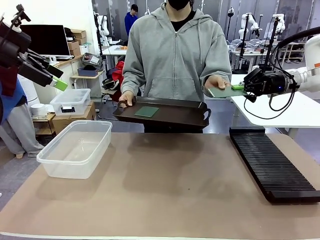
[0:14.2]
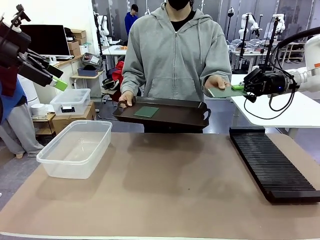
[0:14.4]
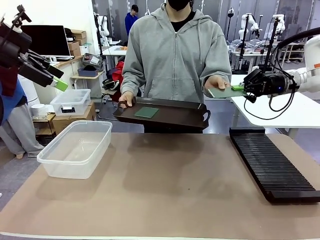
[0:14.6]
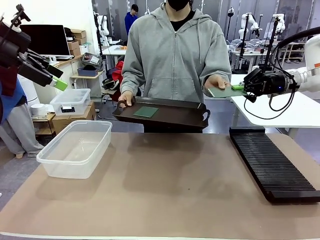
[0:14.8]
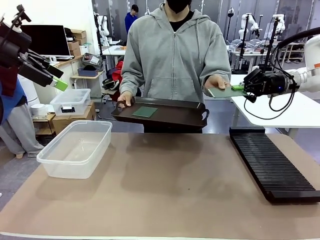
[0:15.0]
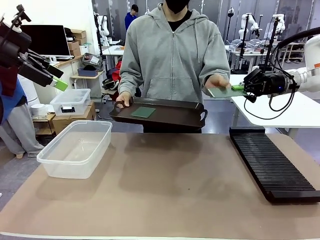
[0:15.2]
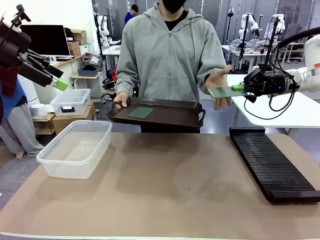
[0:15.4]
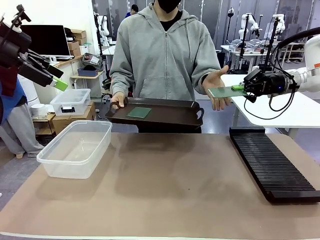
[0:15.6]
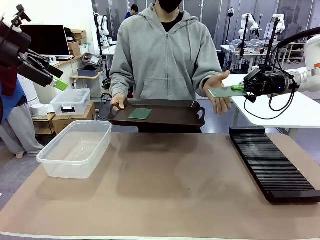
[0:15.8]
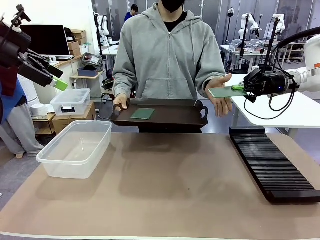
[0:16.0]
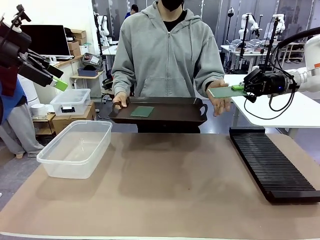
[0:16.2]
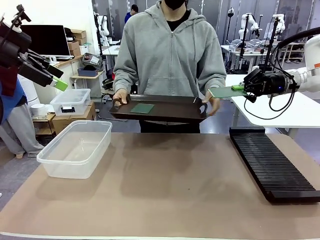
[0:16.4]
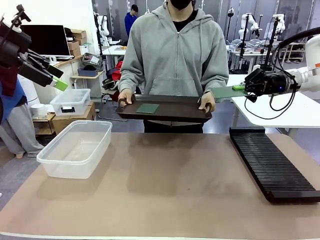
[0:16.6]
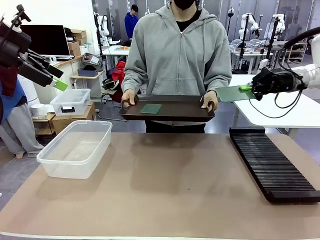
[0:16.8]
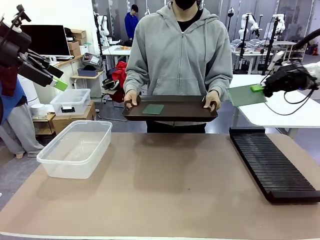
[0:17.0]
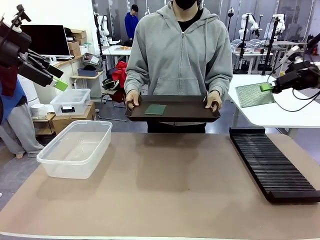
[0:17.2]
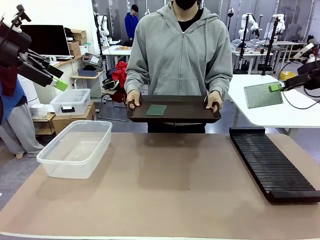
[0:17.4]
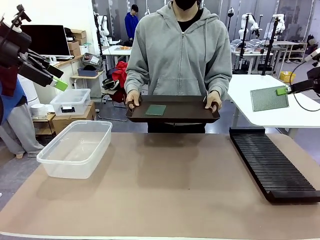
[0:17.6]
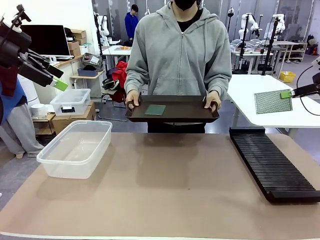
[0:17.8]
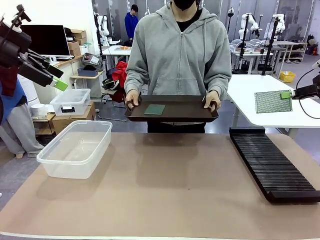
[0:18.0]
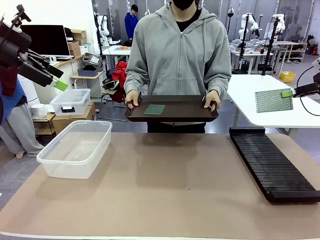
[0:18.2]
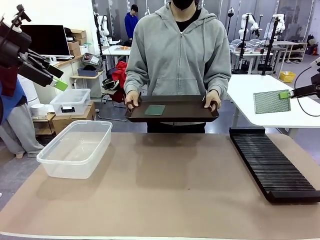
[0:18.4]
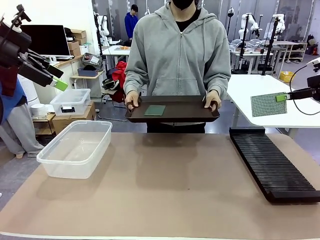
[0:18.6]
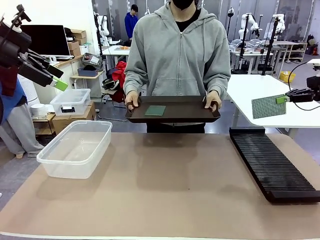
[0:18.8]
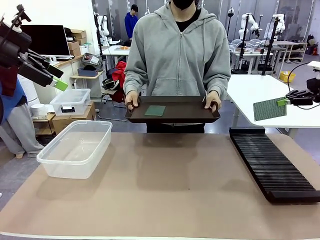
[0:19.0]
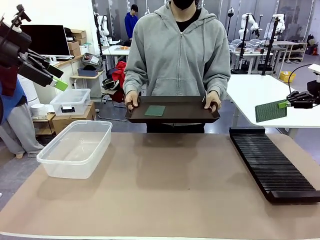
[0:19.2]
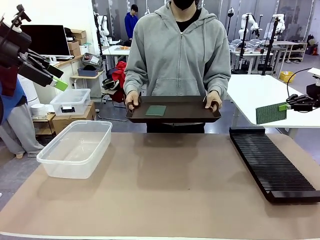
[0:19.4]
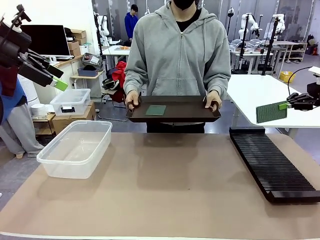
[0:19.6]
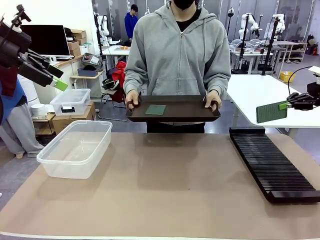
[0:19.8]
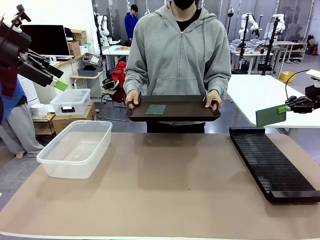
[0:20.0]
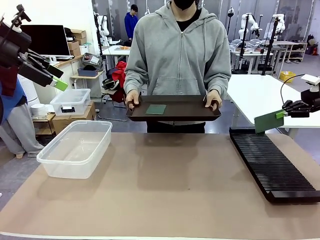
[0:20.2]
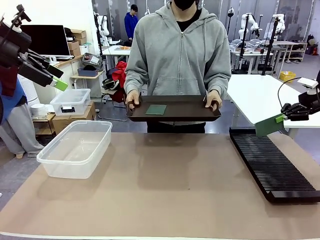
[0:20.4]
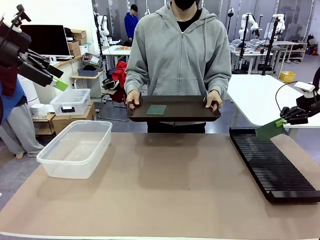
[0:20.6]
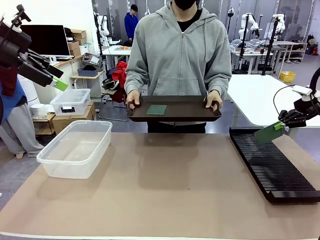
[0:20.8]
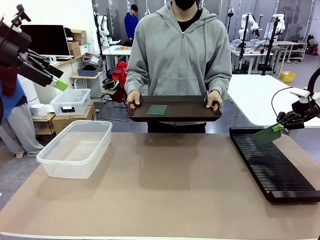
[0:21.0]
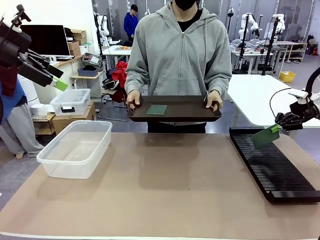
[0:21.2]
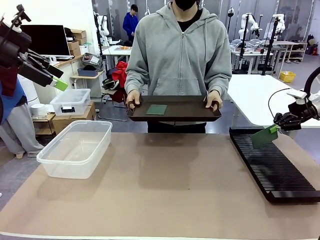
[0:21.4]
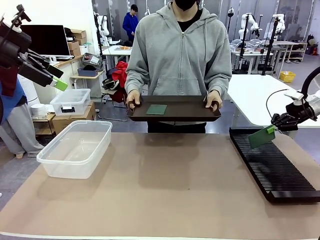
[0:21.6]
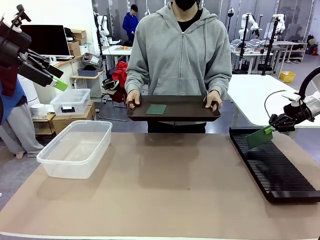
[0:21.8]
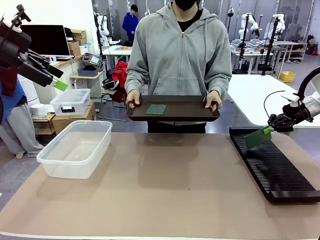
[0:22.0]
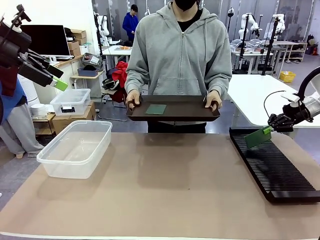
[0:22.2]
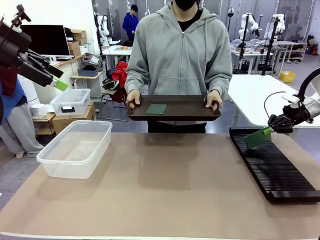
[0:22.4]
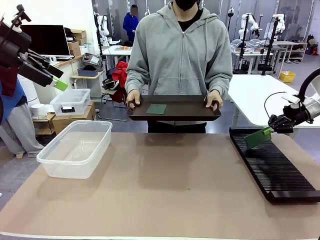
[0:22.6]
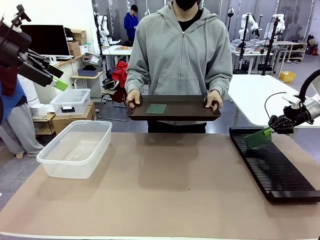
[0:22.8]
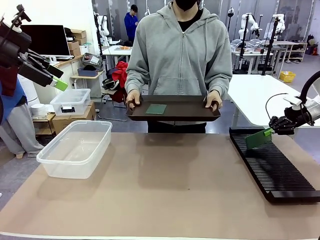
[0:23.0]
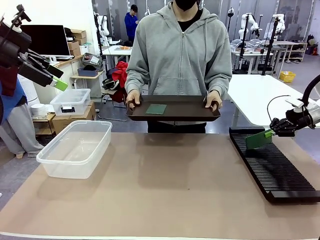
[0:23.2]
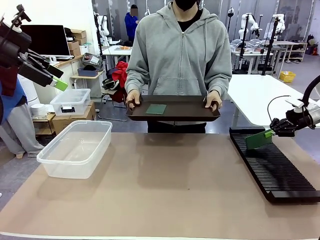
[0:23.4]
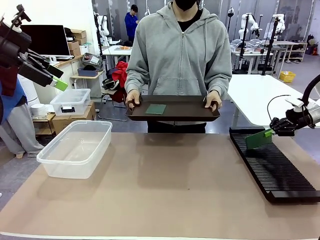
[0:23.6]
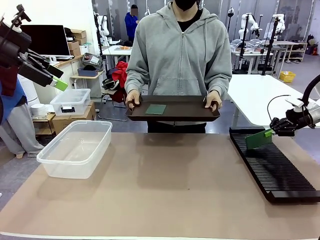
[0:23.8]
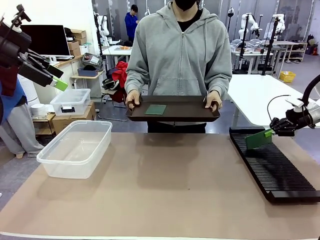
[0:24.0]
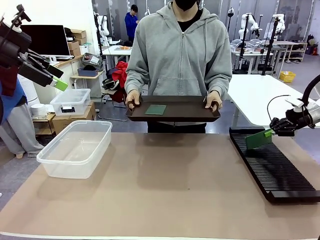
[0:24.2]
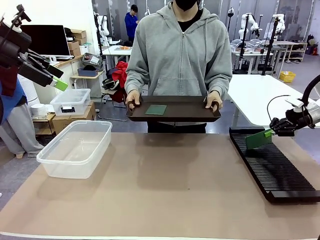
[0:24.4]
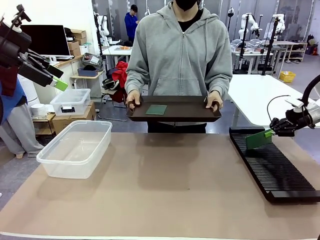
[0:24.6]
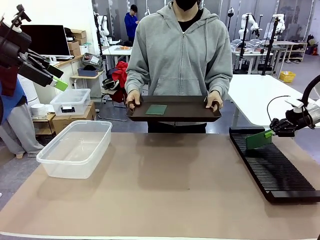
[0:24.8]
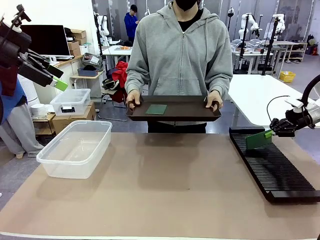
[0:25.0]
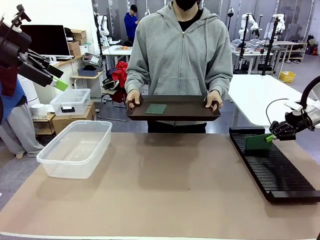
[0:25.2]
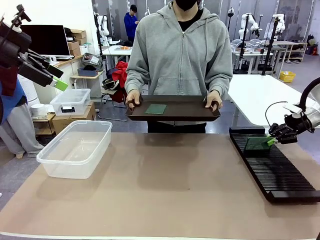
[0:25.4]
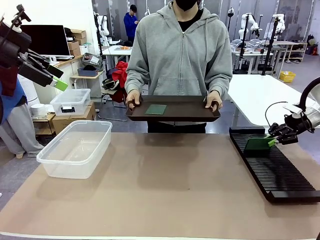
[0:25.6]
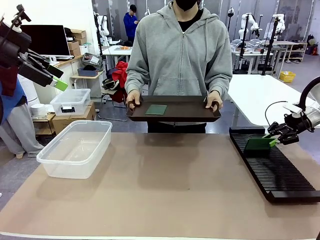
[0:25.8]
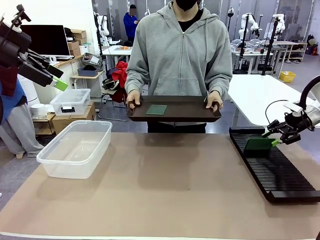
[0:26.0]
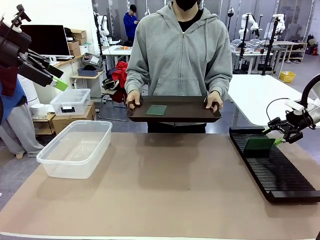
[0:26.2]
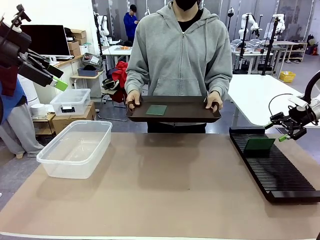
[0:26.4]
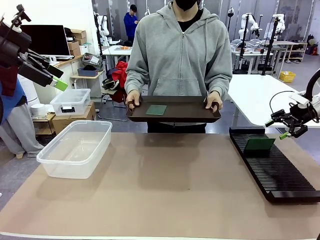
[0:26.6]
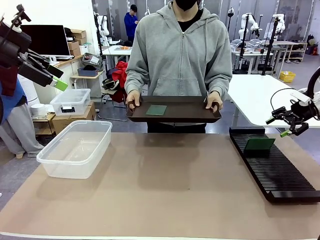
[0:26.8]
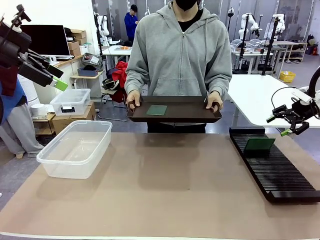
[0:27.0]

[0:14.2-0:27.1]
Task: Sort PCBs into racks and boxes based on the side picked up.
Robot: If the short side of the Blank PCB is picked up, insert it into the PCB Rack ; if the long side is picked up, place it in the Organizing box.
Person: Pick one PCB from the tray and present it to the robot.
